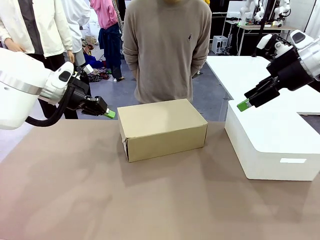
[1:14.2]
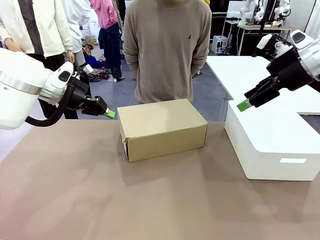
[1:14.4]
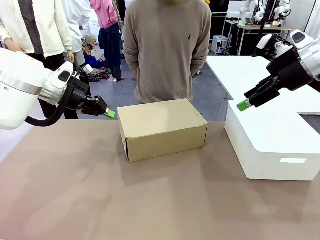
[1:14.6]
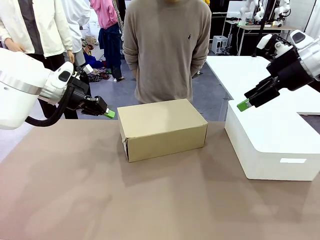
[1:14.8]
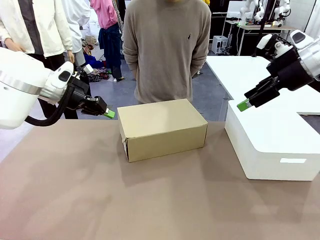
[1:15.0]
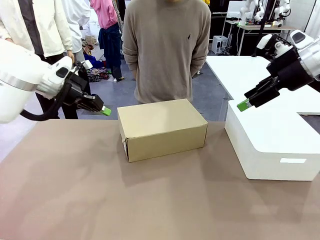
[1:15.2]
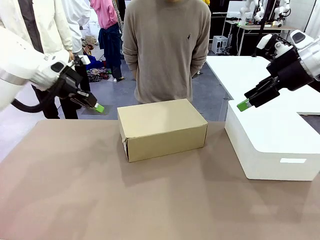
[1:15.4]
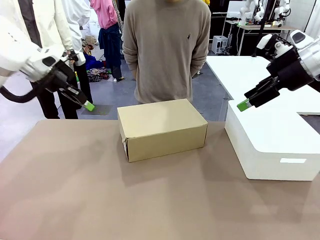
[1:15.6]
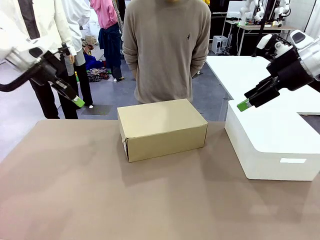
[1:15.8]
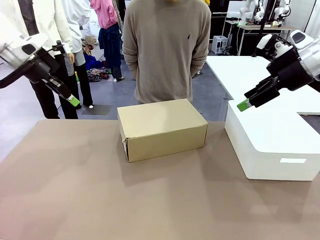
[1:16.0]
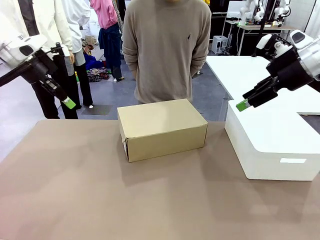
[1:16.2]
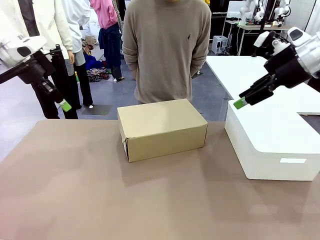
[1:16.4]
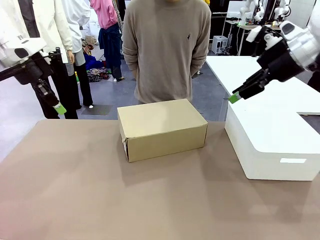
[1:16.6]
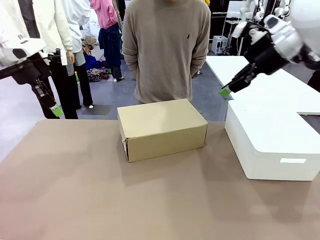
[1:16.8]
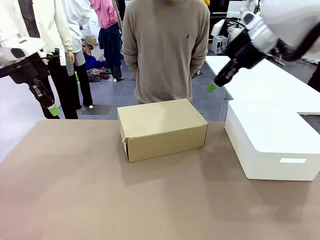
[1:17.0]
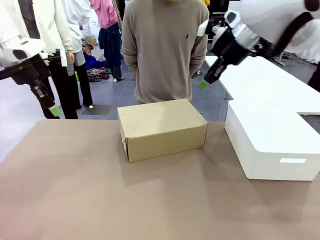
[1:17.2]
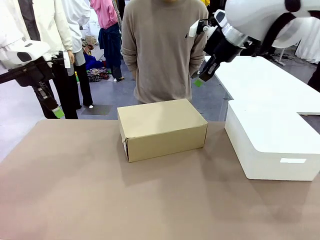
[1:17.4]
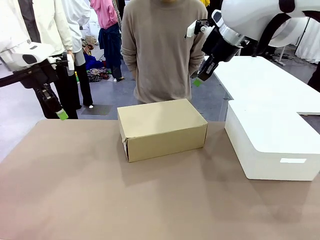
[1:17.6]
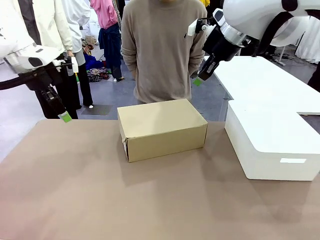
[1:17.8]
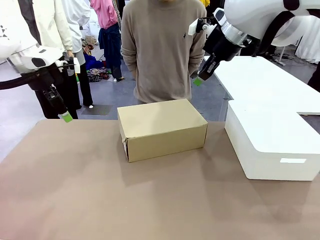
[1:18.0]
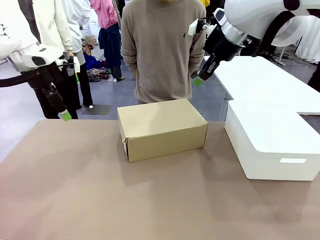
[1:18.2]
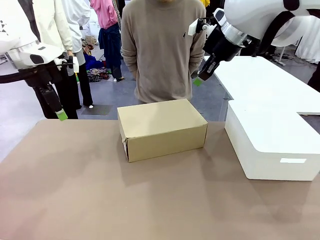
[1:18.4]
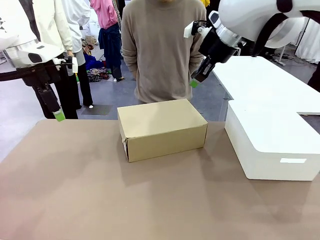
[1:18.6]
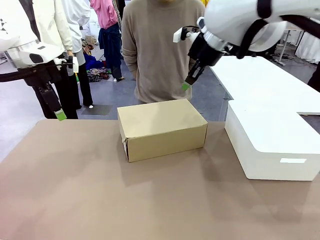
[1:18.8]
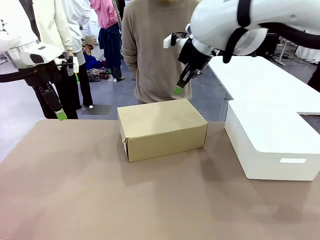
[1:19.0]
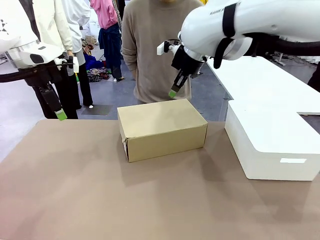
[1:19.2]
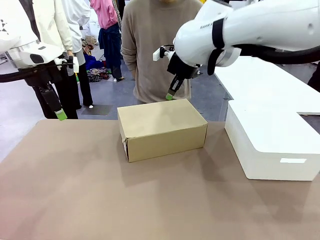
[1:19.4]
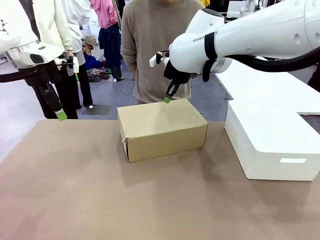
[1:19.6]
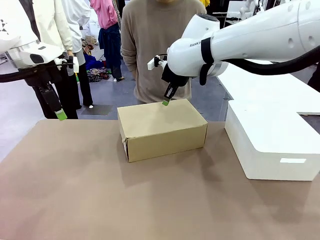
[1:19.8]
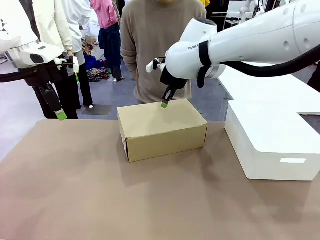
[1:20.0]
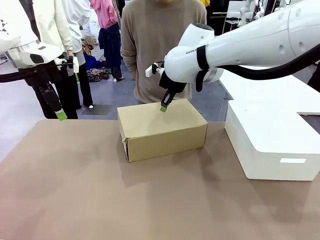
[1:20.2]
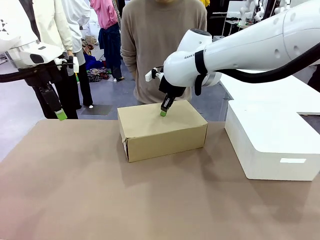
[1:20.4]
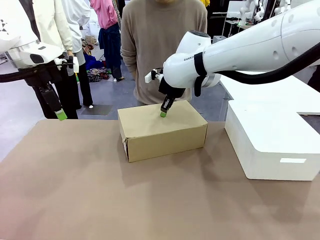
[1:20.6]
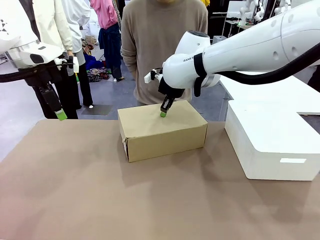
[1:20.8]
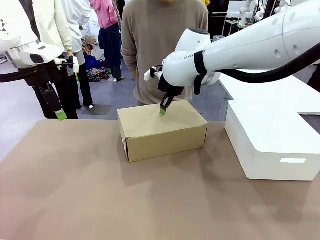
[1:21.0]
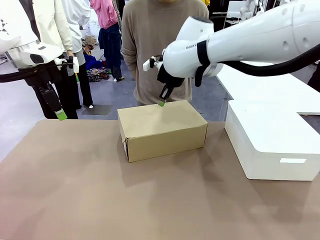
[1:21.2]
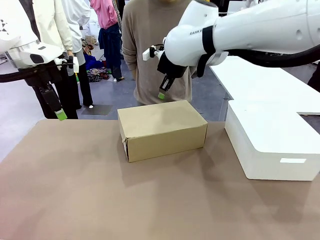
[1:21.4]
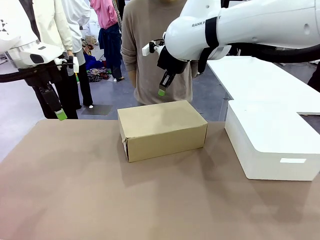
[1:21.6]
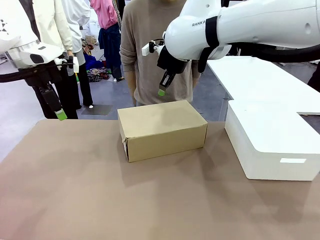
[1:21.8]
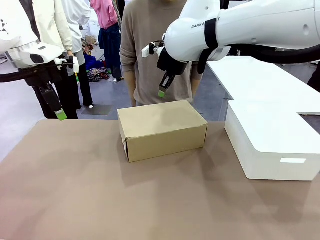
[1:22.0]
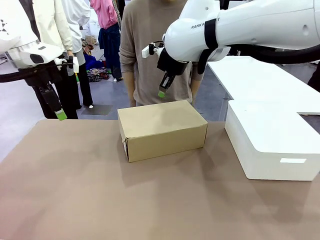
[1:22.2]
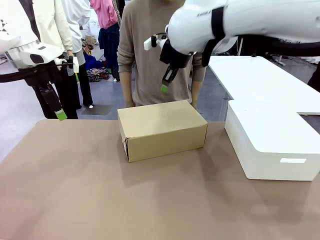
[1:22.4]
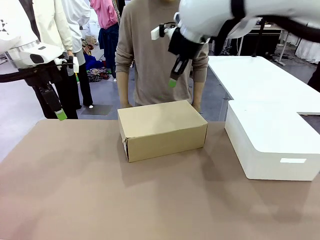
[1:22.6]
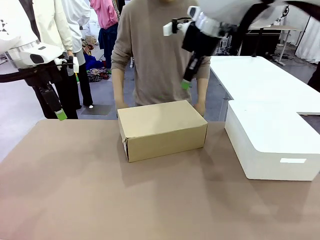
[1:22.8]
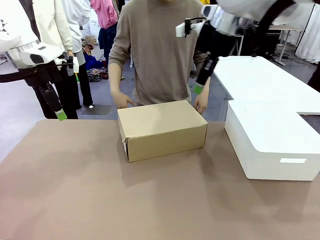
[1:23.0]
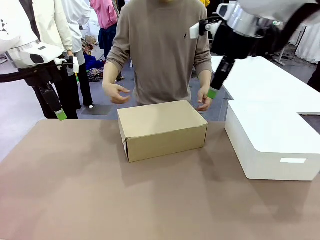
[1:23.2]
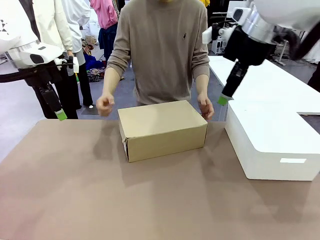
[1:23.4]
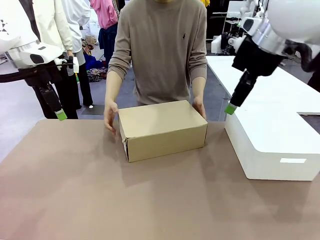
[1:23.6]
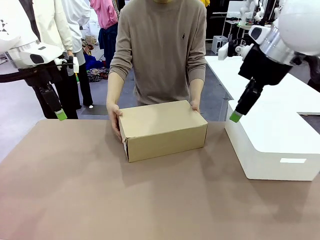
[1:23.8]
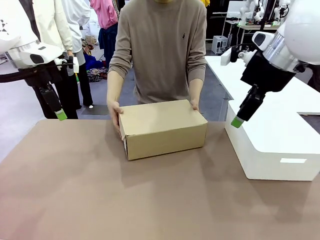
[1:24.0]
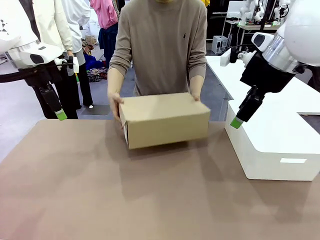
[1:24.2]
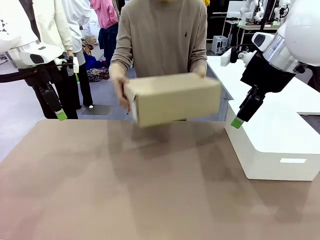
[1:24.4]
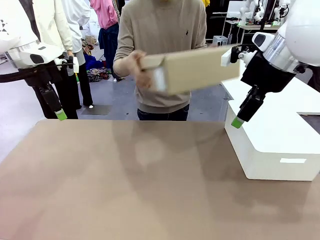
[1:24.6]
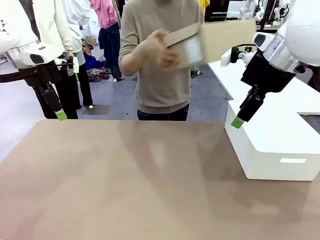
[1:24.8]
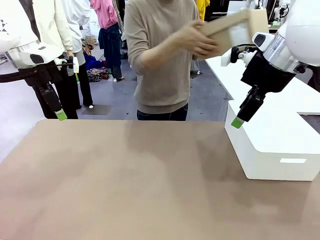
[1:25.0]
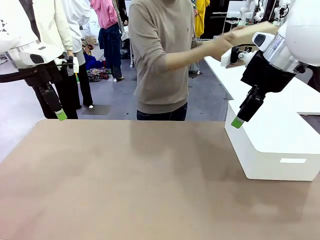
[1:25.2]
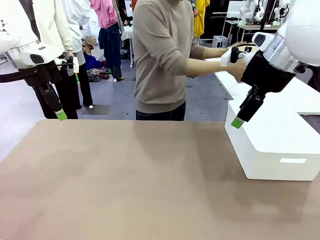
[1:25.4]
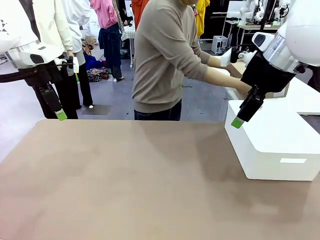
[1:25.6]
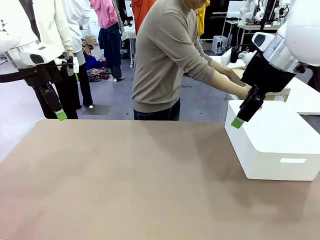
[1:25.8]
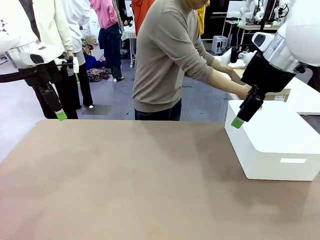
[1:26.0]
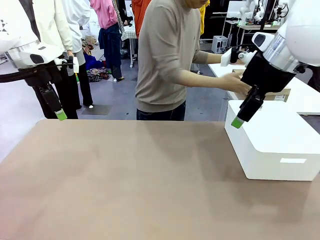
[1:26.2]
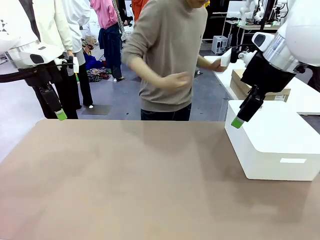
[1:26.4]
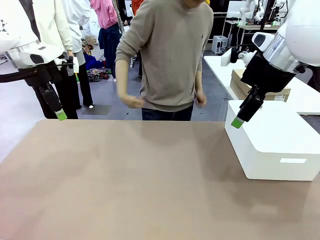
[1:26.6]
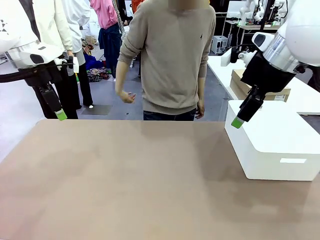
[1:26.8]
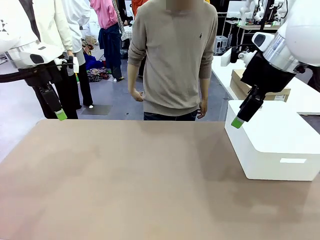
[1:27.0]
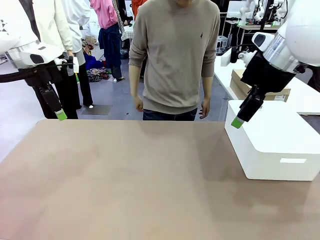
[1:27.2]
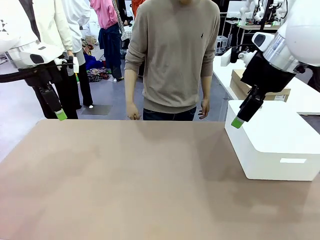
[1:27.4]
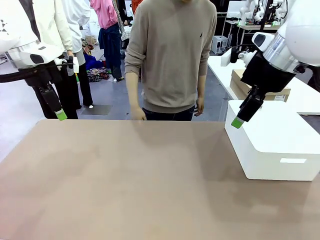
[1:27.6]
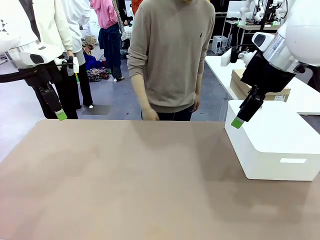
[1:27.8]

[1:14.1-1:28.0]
Task: Pack the shoes into the box.
Robot: Press down on the lid of the Shoes Box.

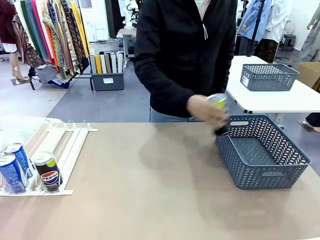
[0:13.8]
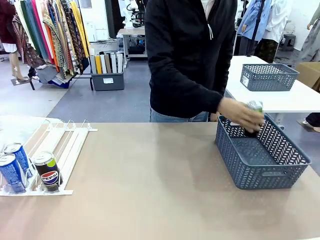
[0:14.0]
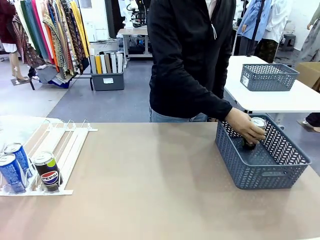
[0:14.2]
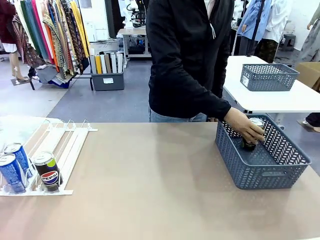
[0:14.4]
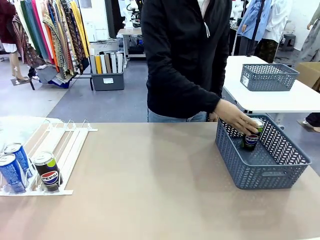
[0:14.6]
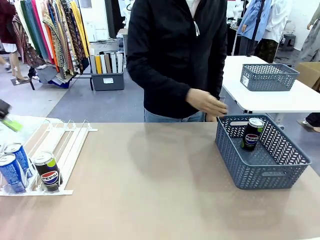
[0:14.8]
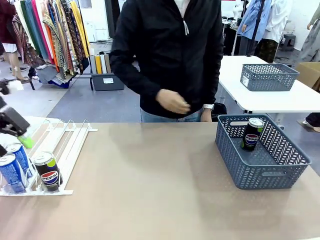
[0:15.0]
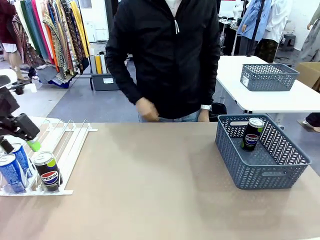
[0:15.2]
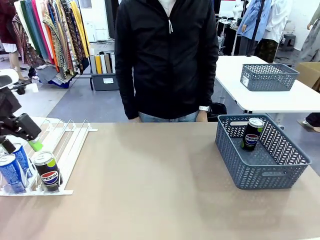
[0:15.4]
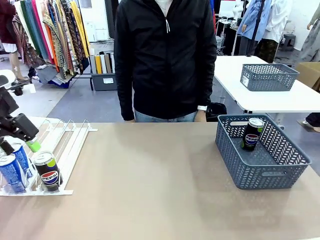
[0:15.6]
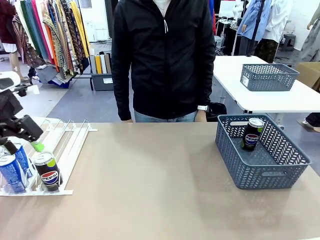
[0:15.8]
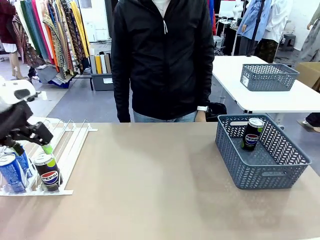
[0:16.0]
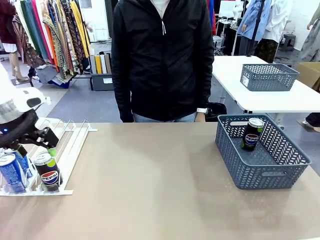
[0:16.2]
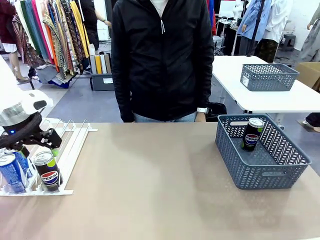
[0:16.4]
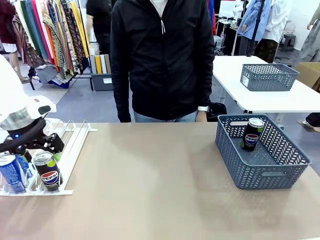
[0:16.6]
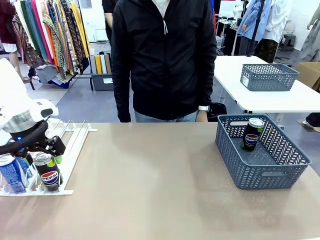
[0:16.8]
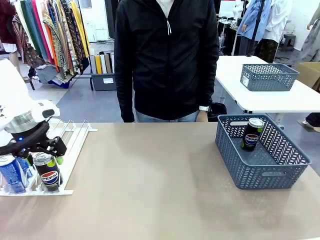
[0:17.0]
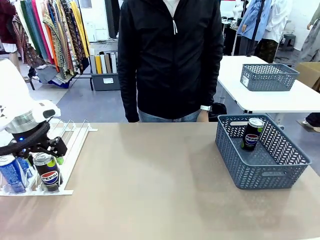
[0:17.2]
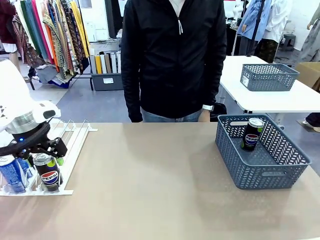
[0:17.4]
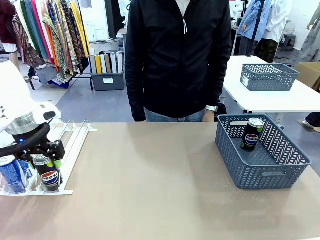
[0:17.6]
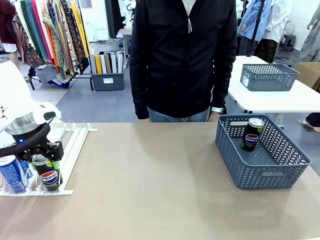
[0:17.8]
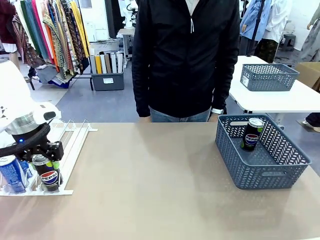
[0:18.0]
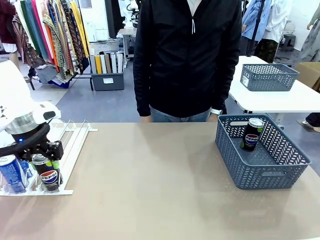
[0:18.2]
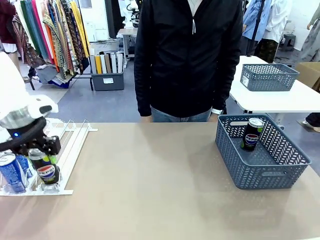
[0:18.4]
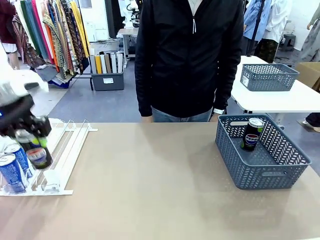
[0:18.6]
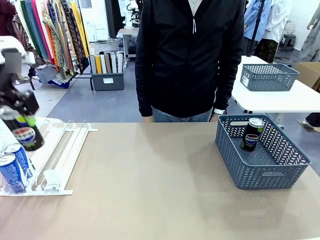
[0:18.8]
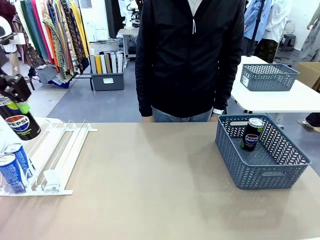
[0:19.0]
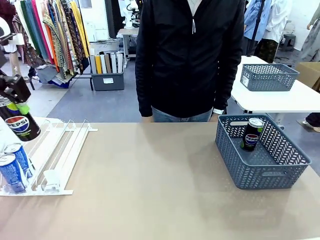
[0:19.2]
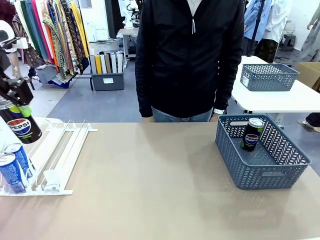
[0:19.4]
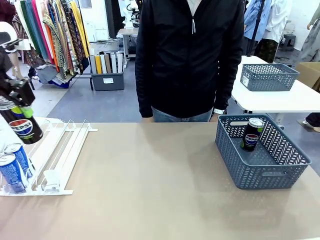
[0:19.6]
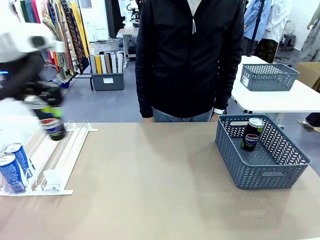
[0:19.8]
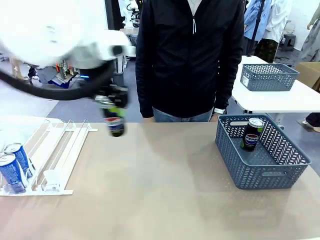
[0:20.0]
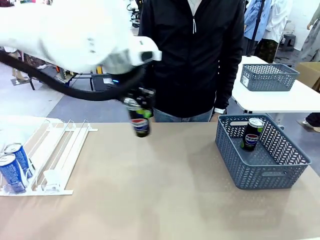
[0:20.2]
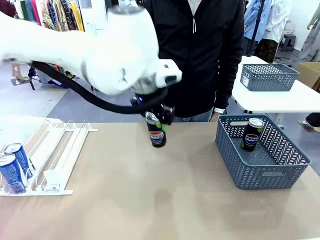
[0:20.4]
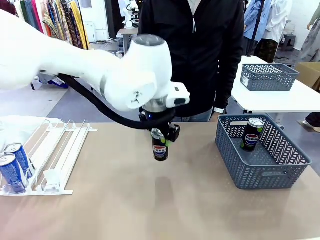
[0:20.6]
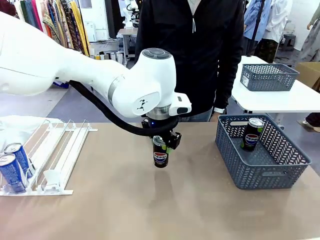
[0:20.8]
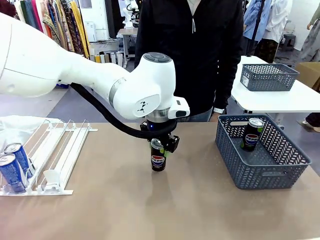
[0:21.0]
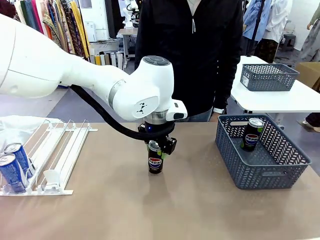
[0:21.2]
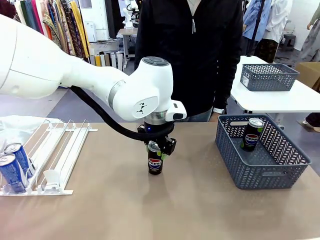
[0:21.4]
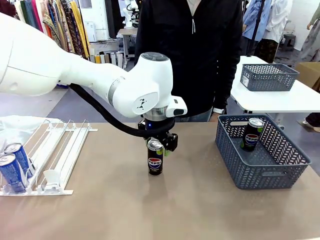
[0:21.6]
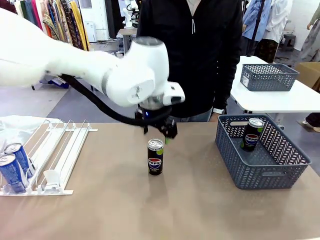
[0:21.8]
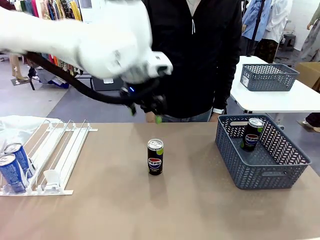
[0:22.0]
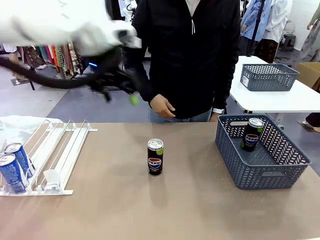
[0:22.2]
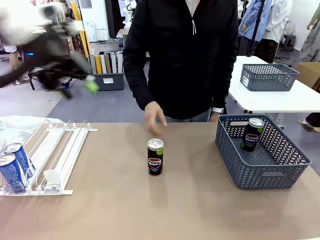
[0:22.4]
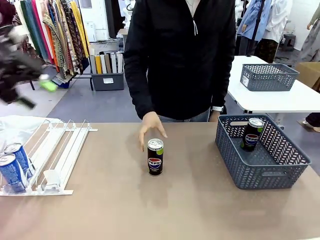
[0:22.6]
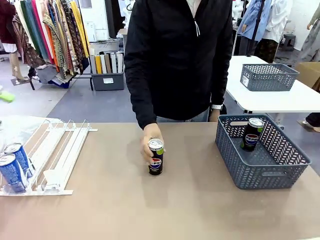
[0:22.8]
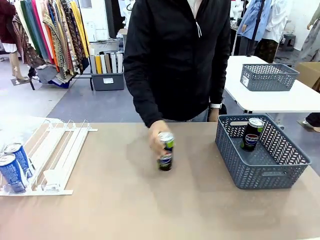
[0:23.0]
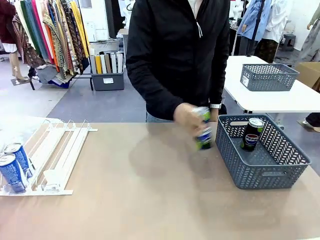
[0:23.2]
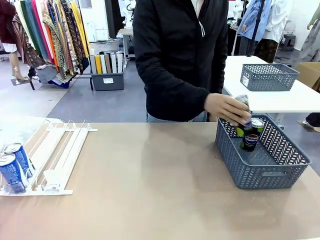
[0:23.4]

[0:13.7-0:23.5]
Task: Retrieve and store the cans from the dispenser.
Robot: Pick up the last remaining can from one row of the Automatic Can Dispenser and place it in the middle of the table.
Person: Pick up one Pepsi can from the middle of the robot table and place it in the basket.
